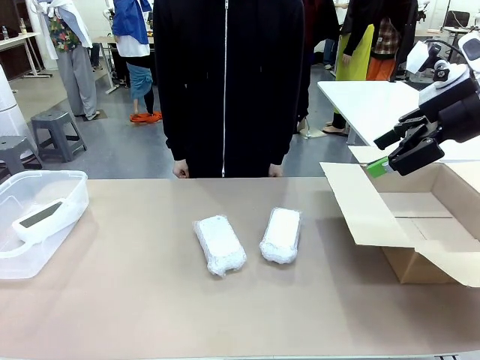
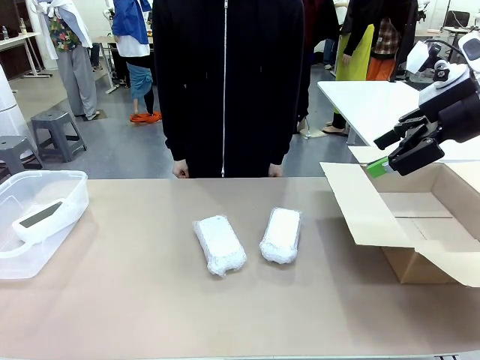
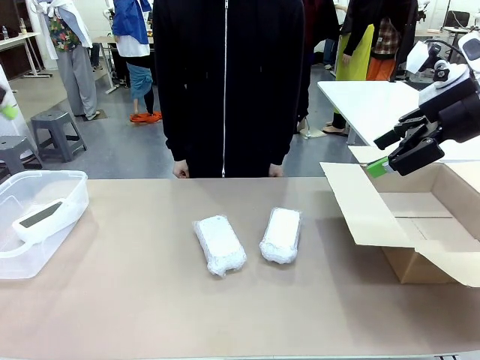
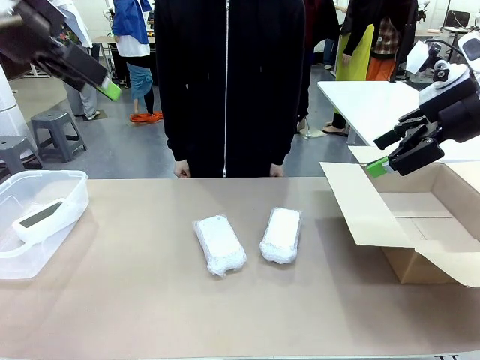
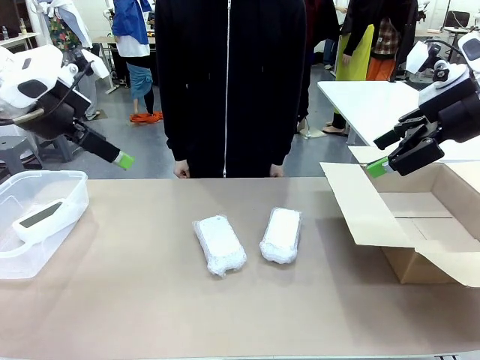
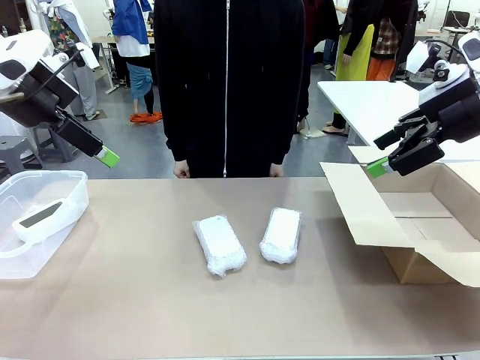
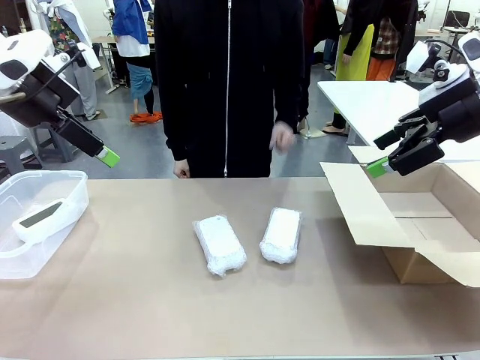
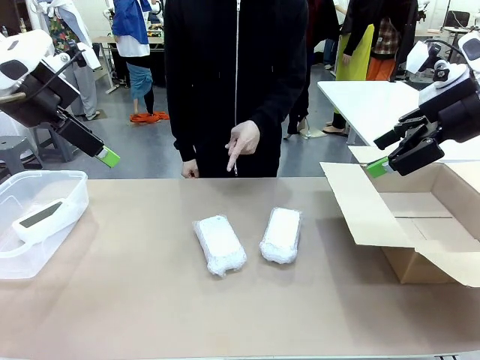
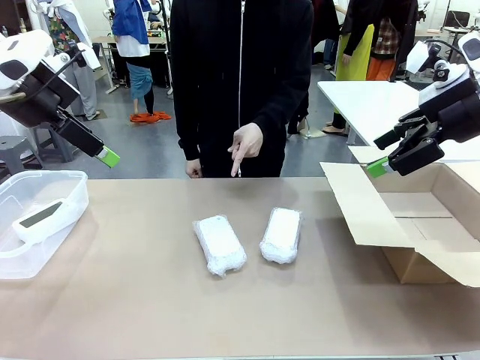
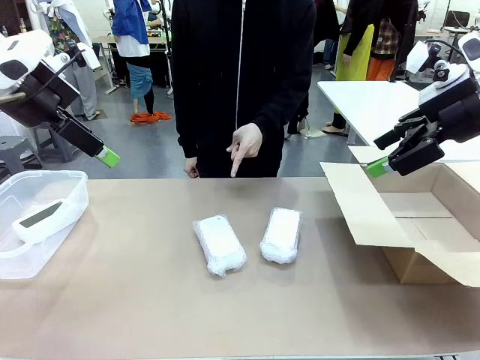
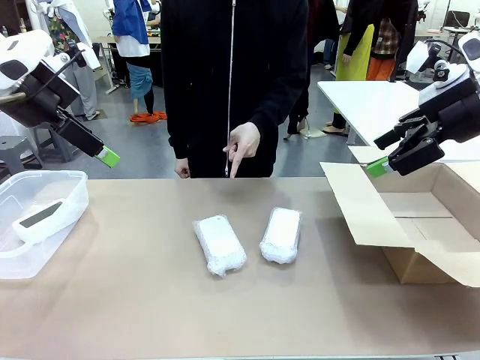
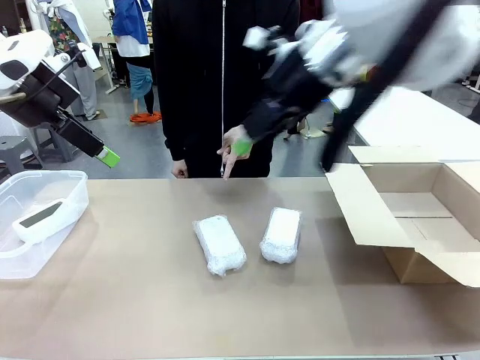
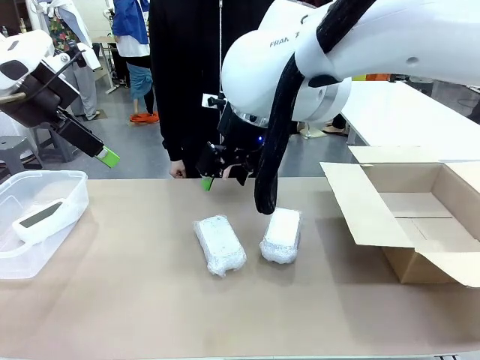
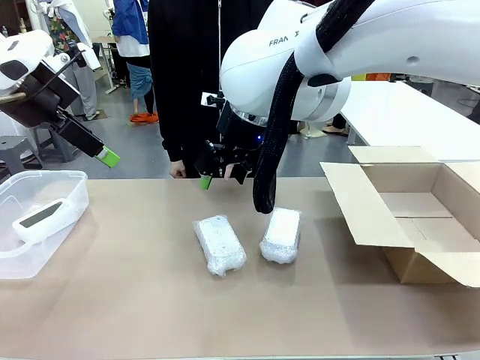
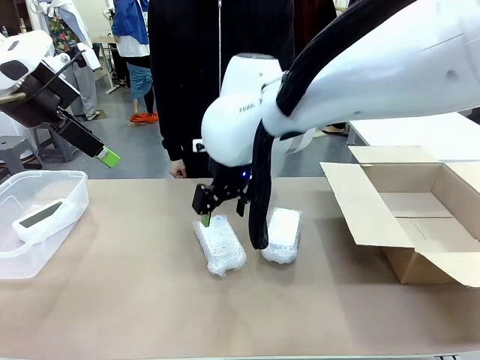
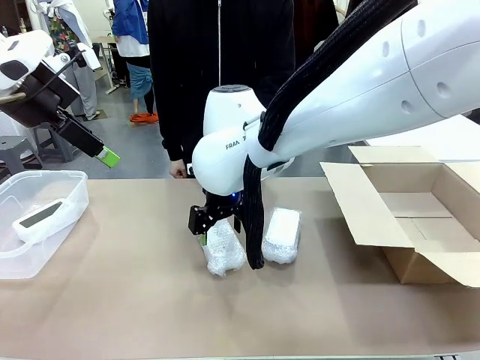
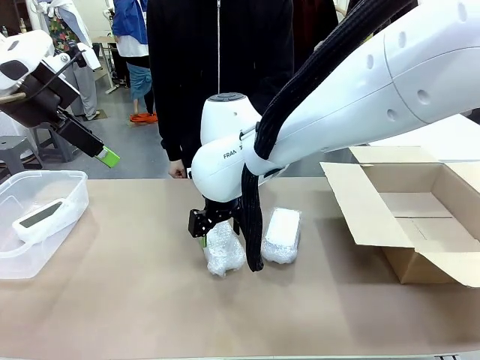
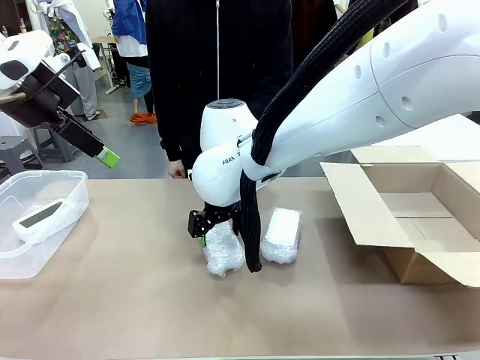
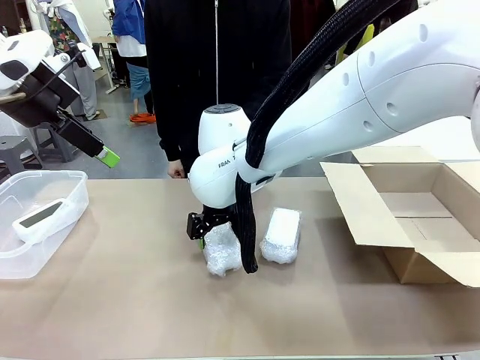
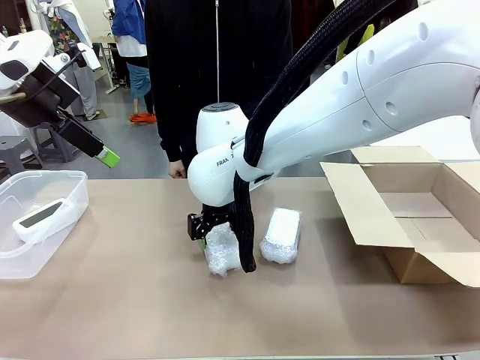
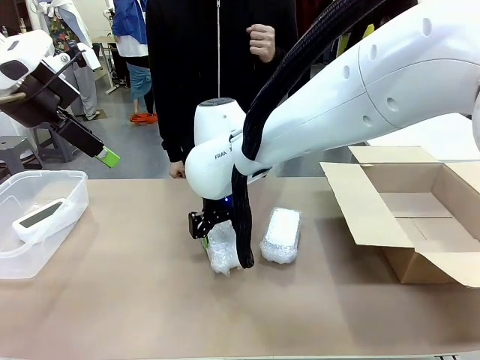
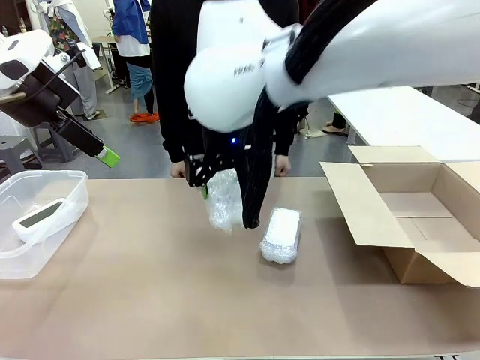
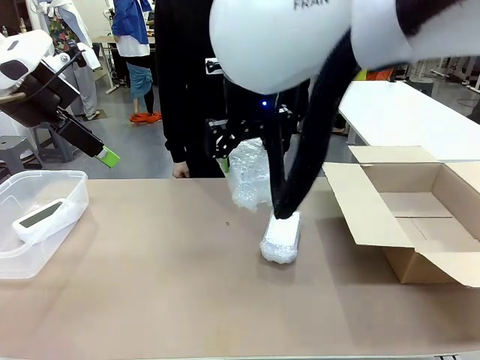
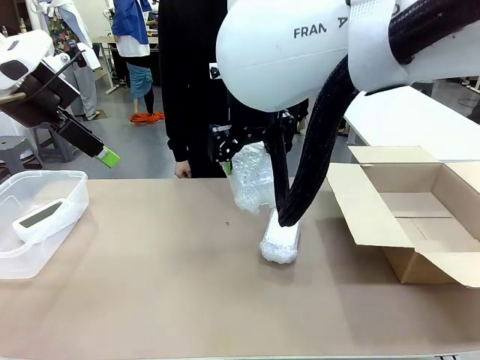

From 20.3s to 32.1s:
Task: Separate and place wrapped and unwrapped clocks.
Robot: Pick up the Digital clock indicated by the person.

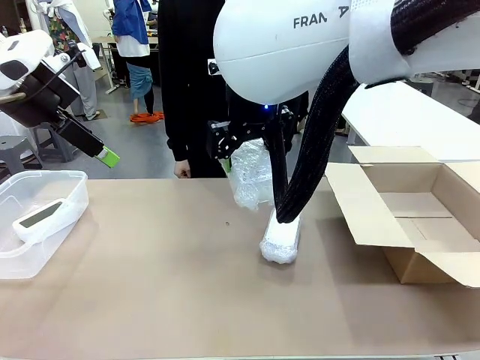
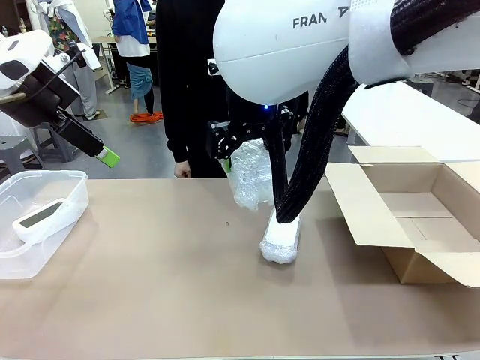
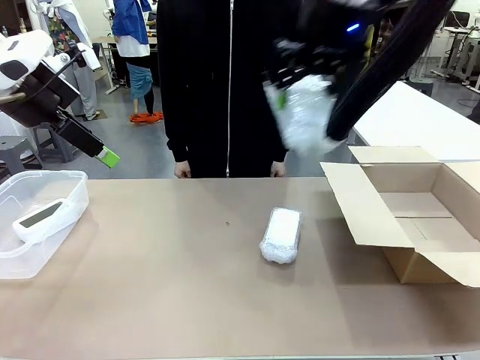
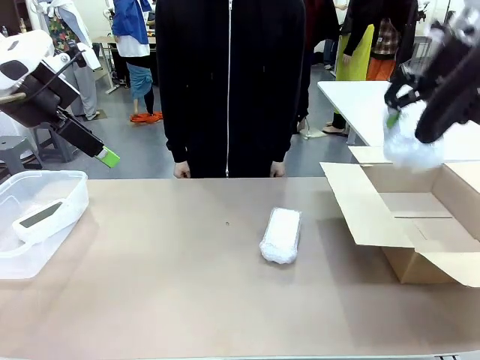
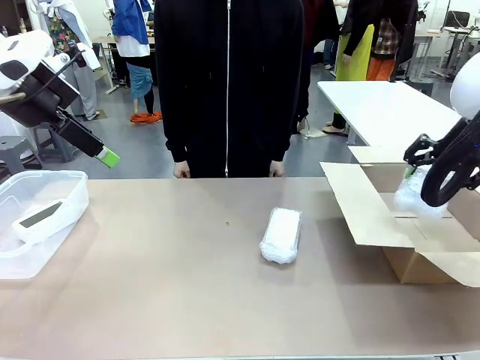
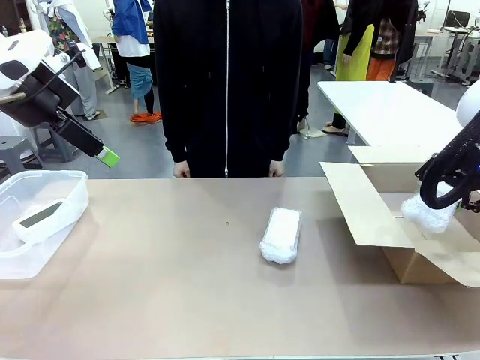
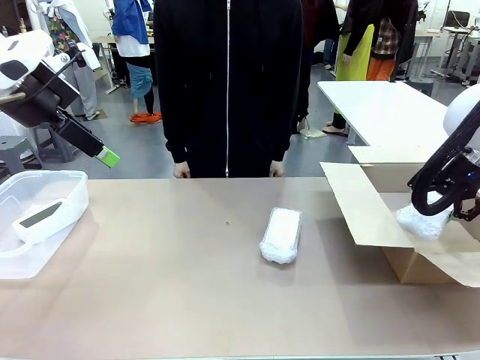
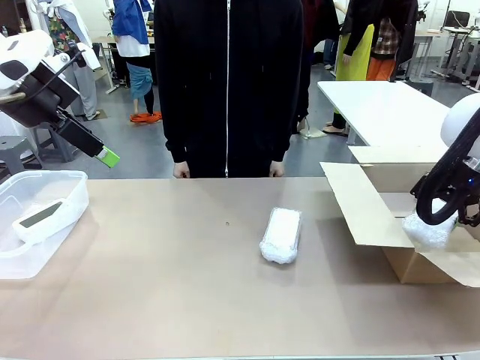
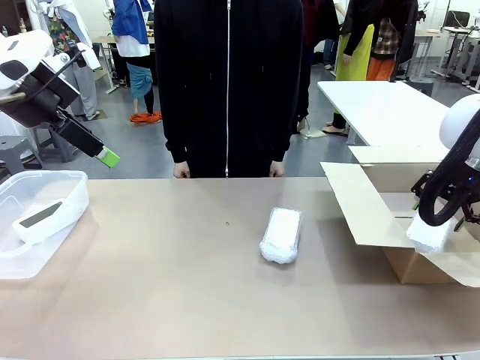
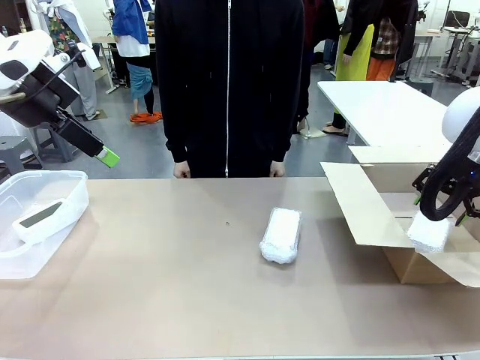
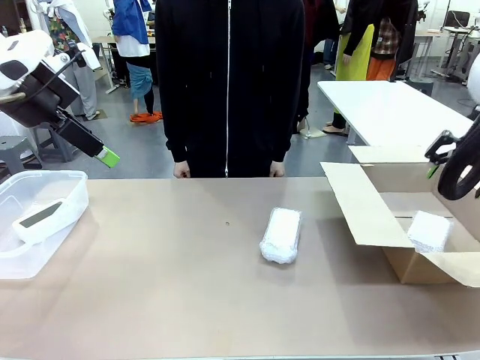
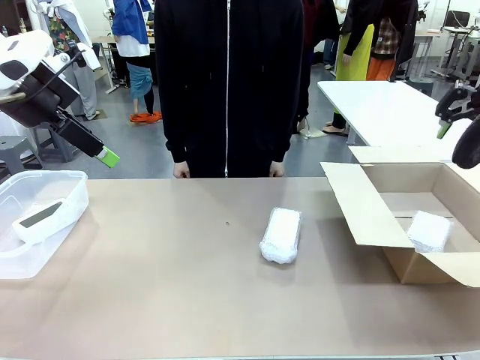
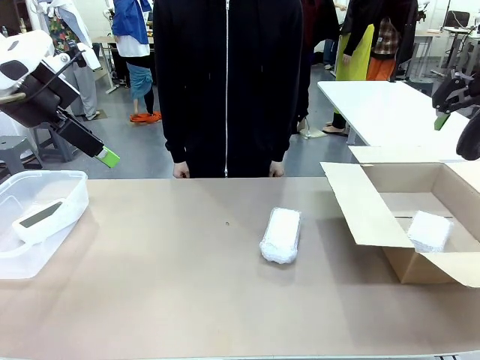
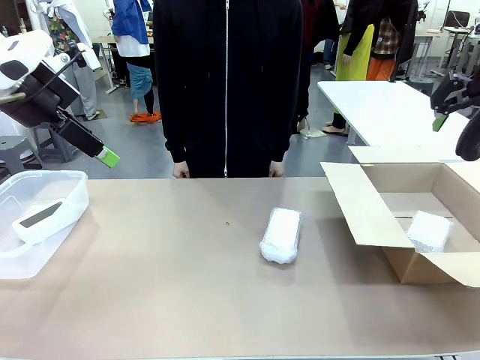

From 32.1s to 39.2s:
Robot: If the picked Digital clock is wrapped, place it in the Package Box ; if not, place it in the Organizing box.

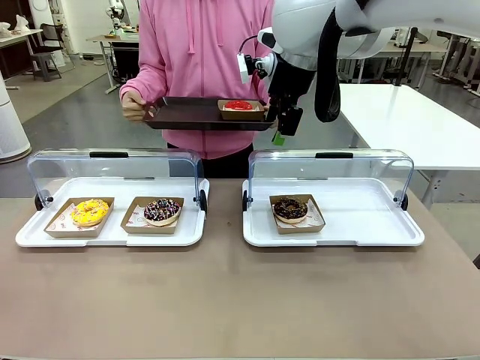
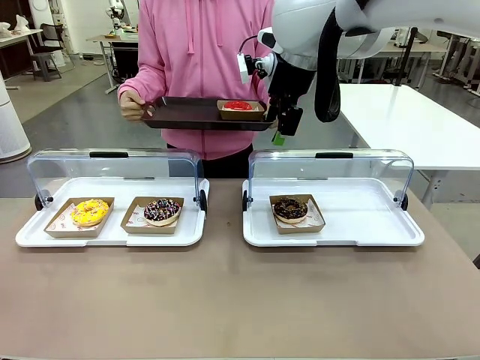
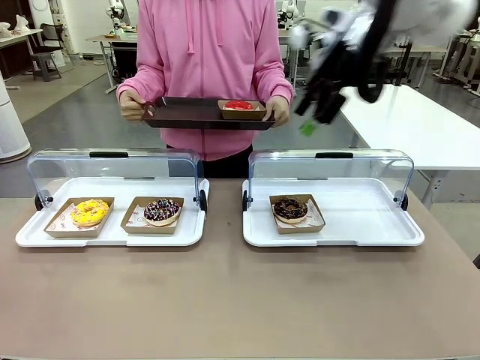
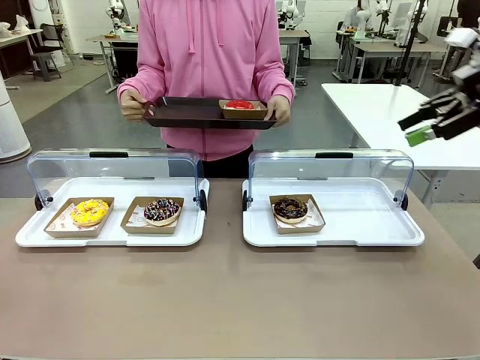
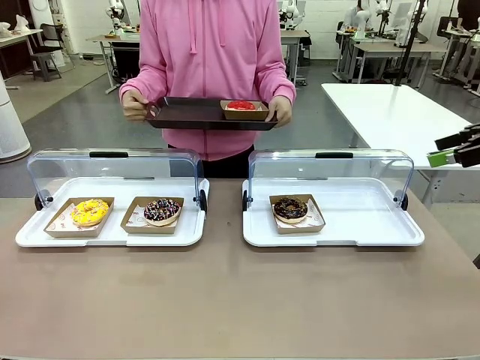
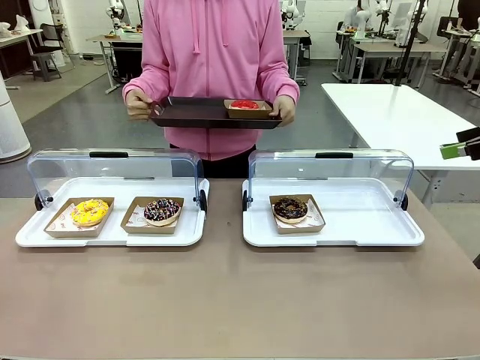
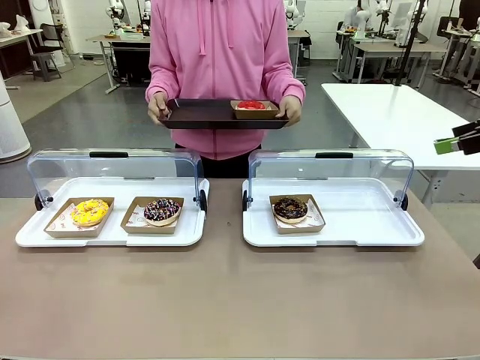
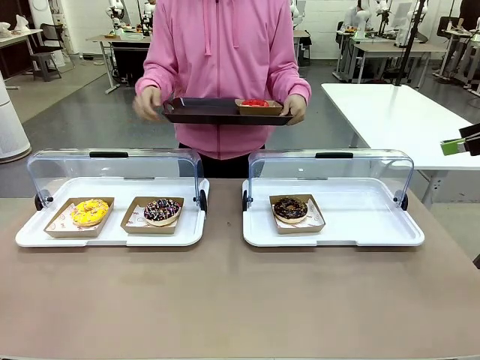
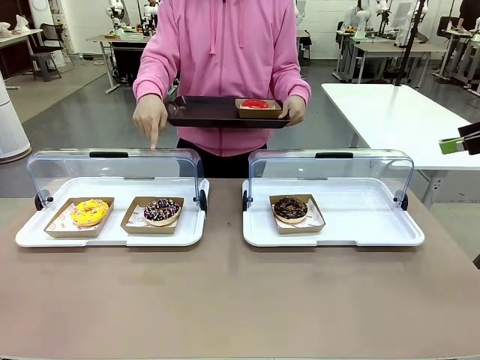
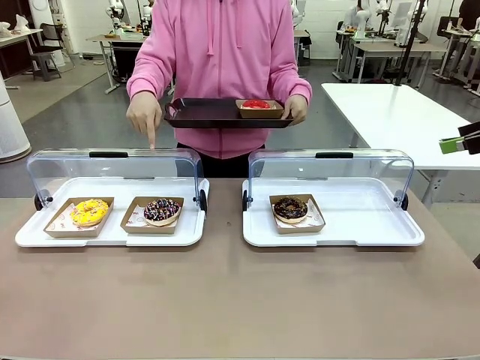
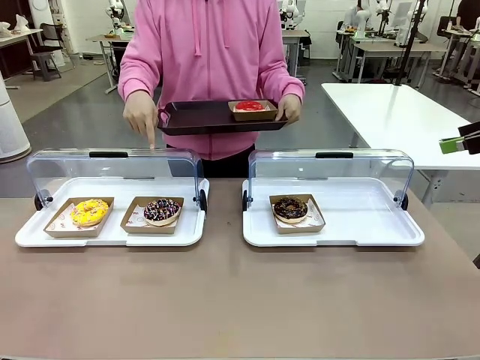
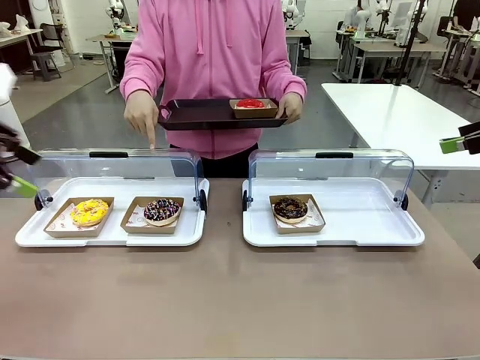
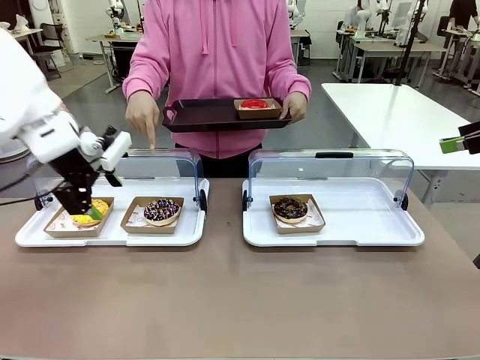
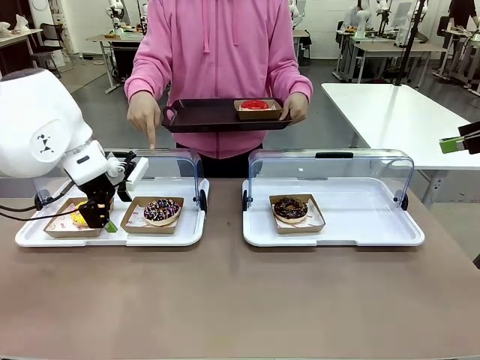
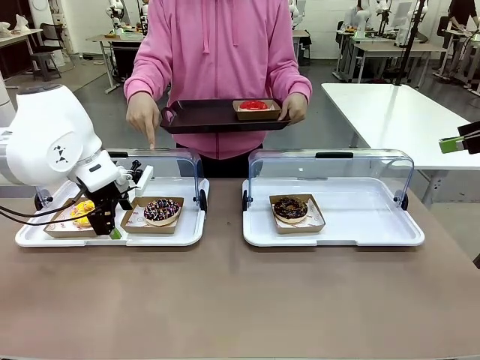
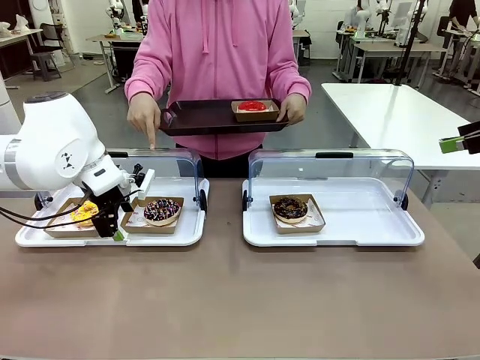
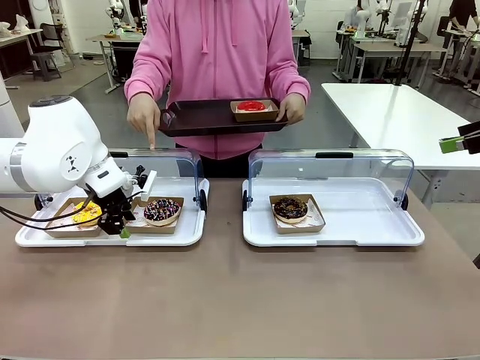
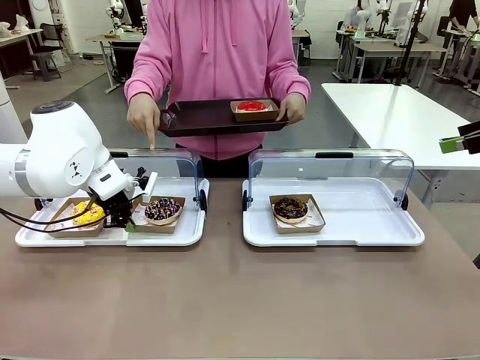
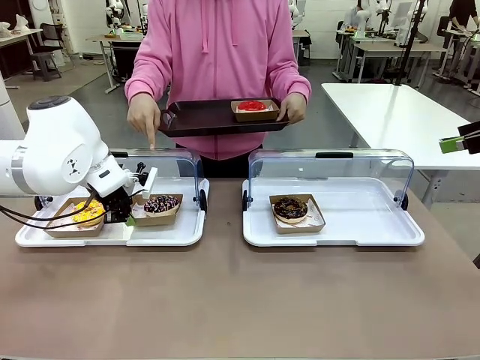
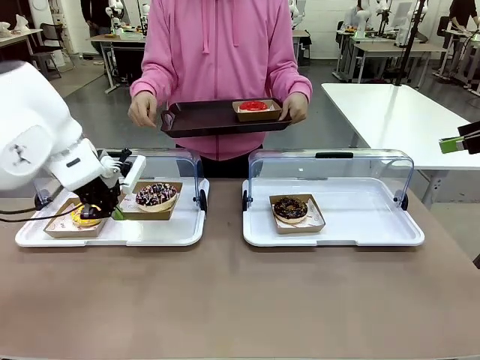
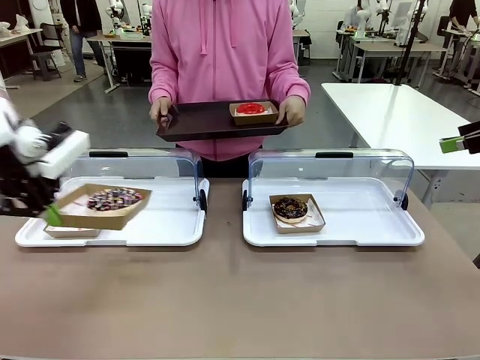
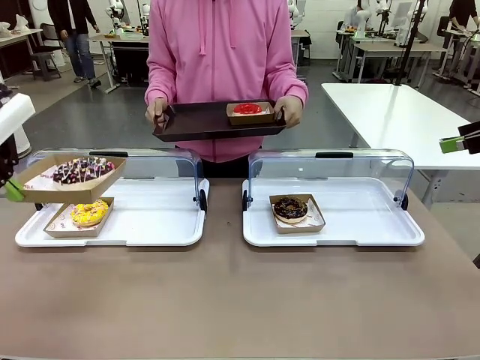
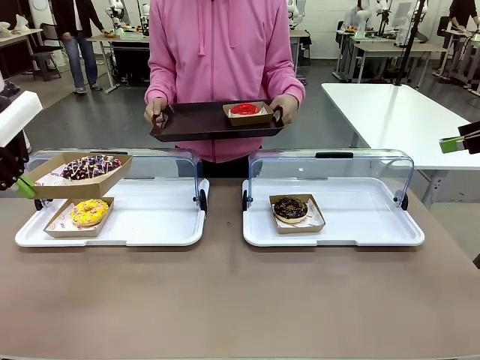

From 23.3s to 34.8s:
Task: Provide the desired donut to the person.
Robot: Pick up and lift the Paper togo box containing the Donut pointed at by the person.
Person: Lift the tray onto the Roll-Top Bakery Case.
